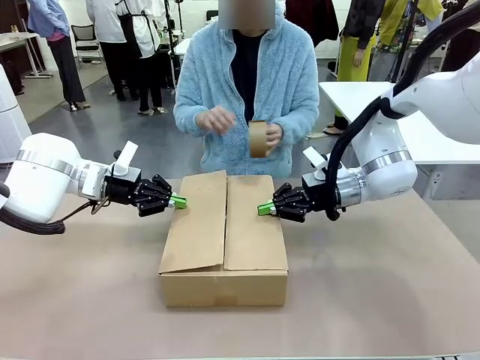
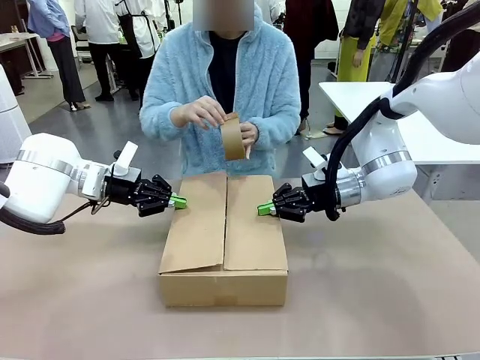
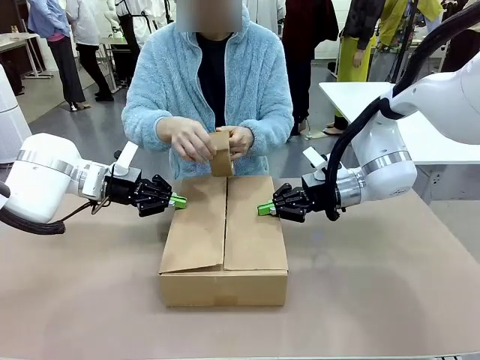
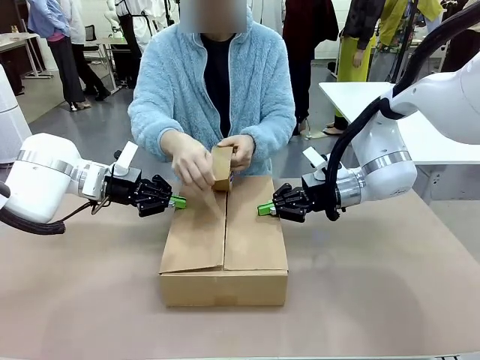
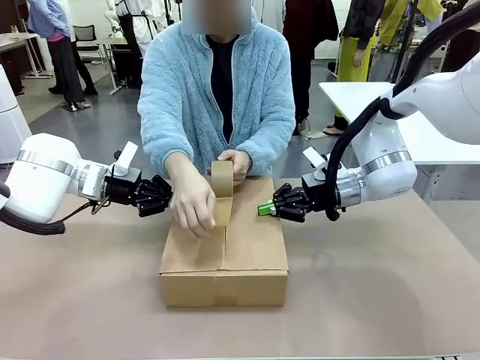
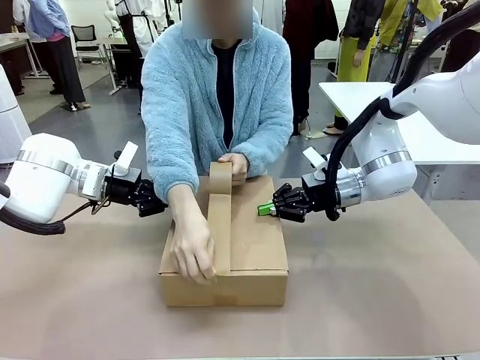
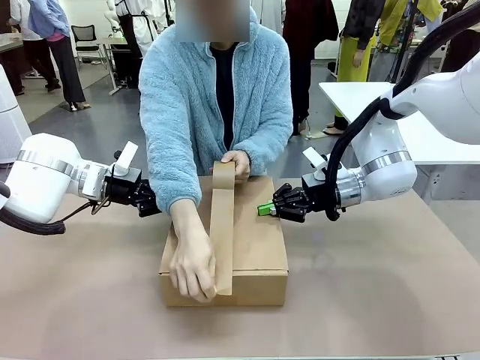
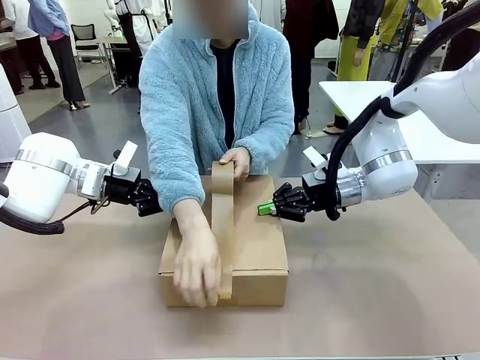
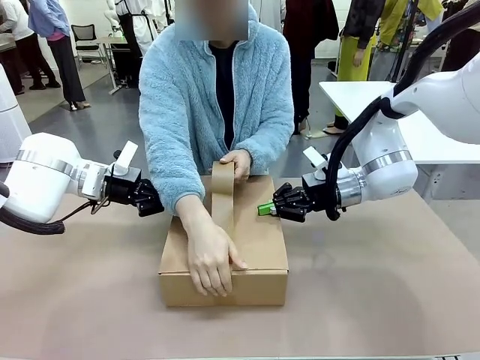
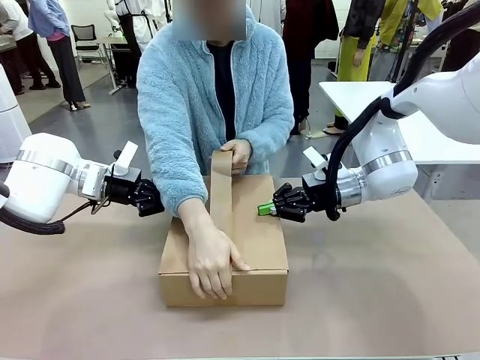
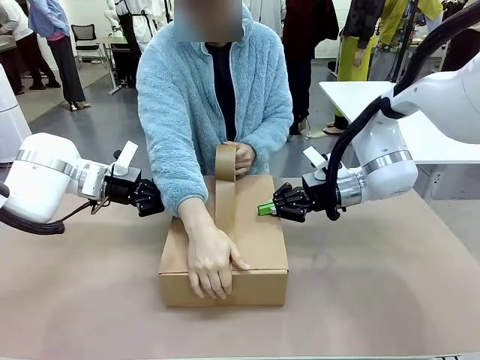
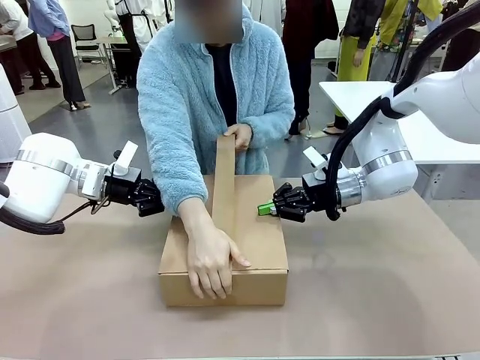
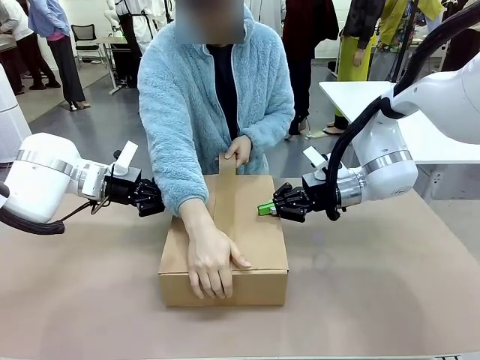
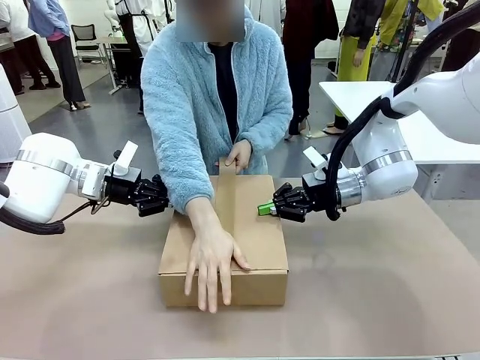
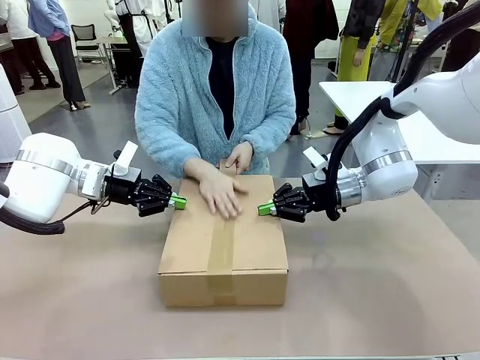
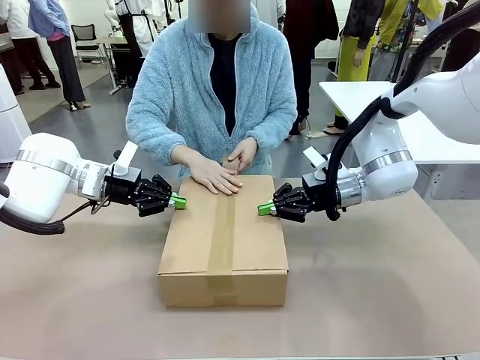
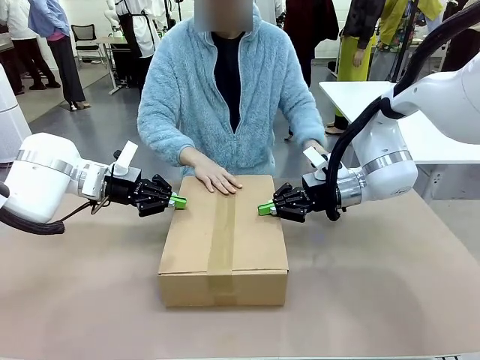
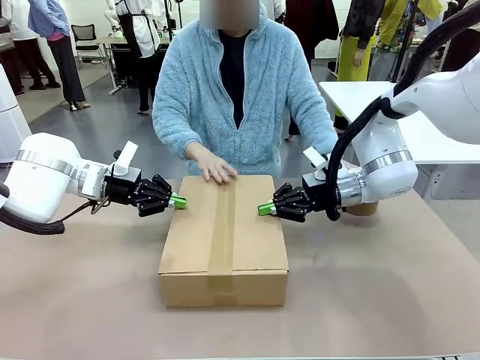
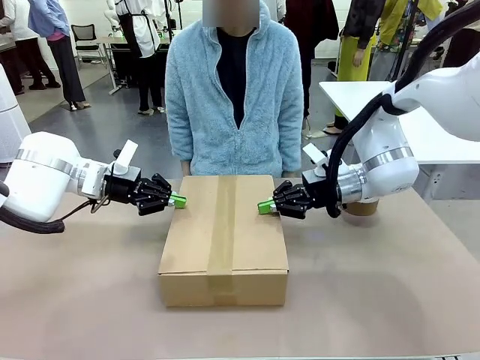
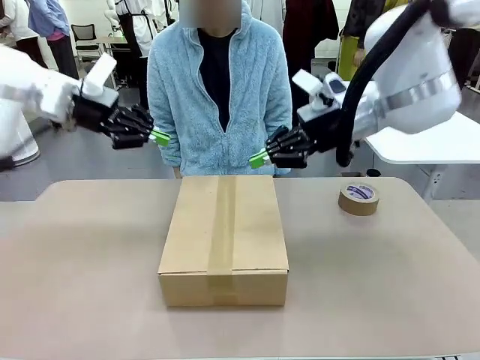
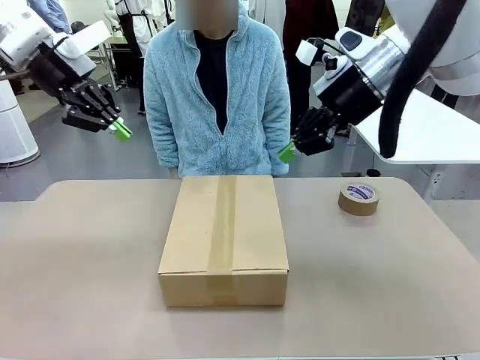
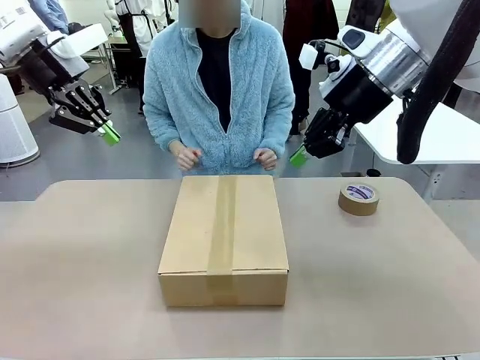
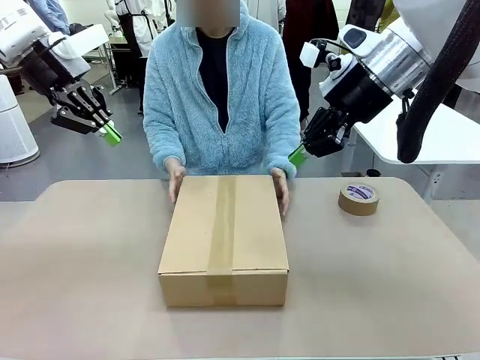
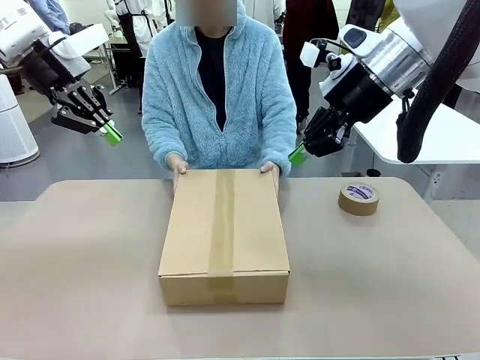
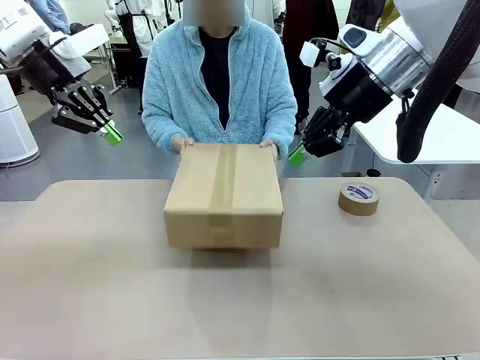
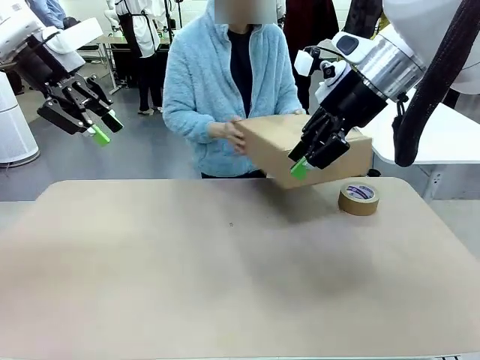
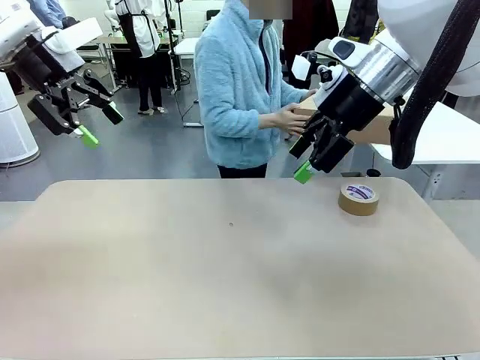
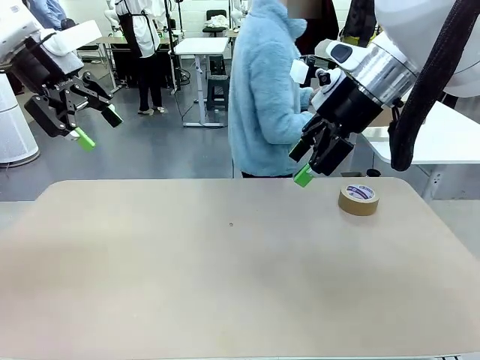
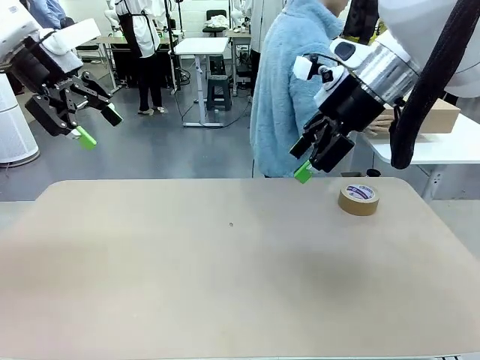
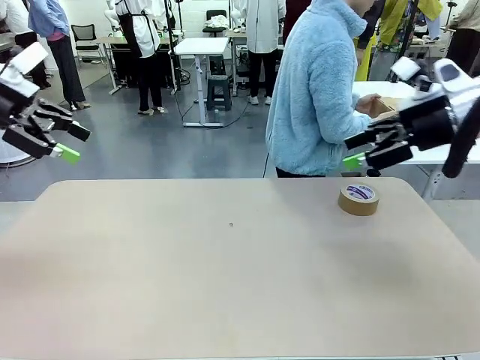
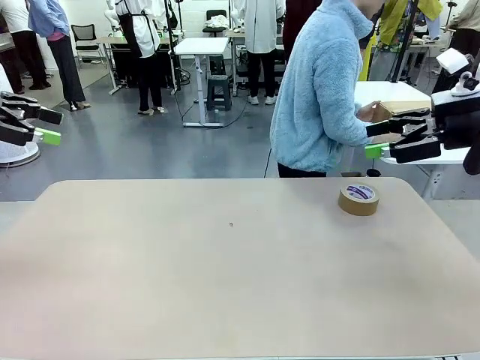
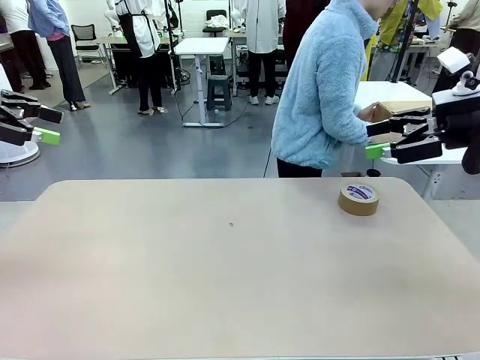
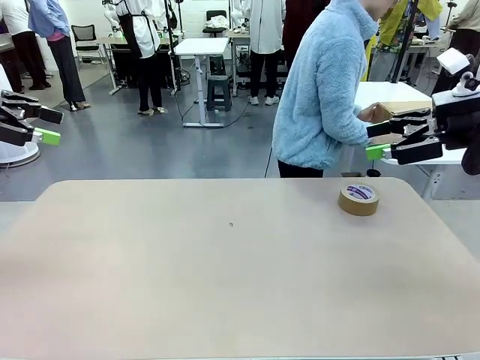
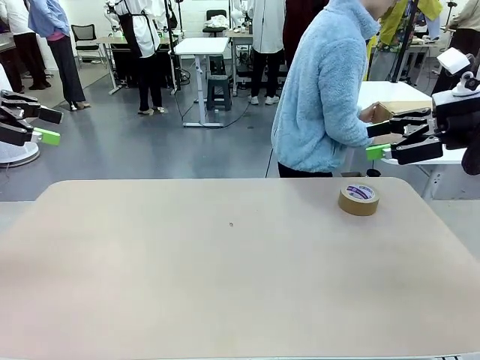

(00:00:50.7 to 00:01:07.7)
Task: Wrap the clocks to prevent damage.
Robot: After the human seals the box with tape, release both hands from the side flaps of the Package Box.
Person: Once the robot closes the left flap of the Package Box , seal the box with Paper Tape. Place sealed Package Box in the middle of the human's table.
